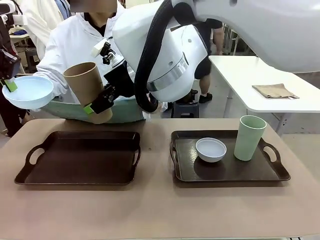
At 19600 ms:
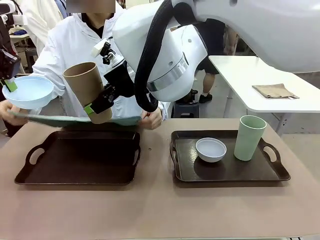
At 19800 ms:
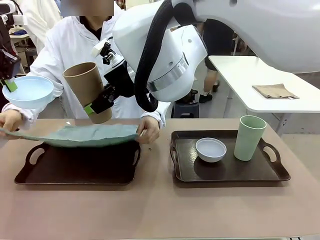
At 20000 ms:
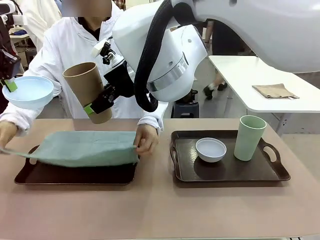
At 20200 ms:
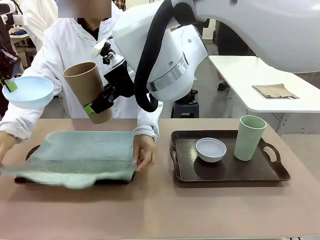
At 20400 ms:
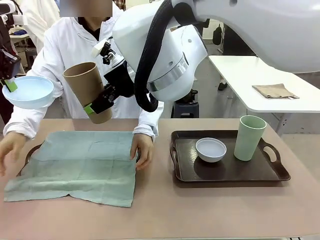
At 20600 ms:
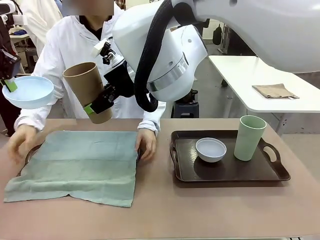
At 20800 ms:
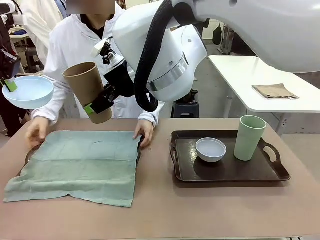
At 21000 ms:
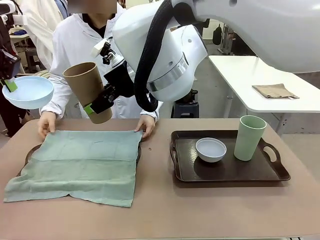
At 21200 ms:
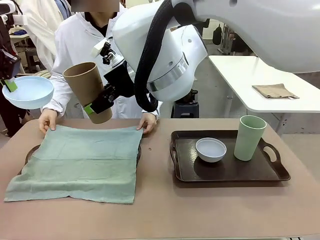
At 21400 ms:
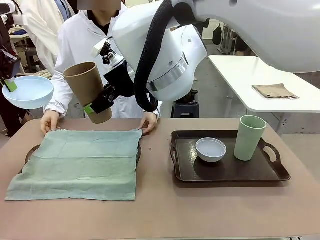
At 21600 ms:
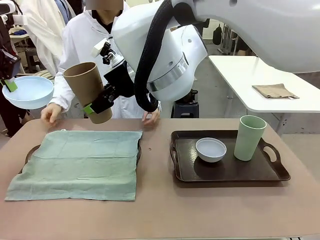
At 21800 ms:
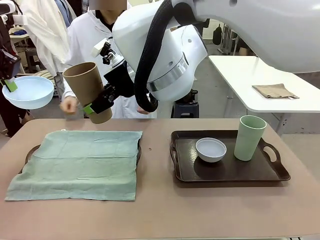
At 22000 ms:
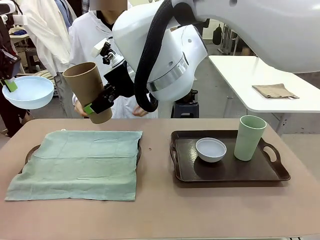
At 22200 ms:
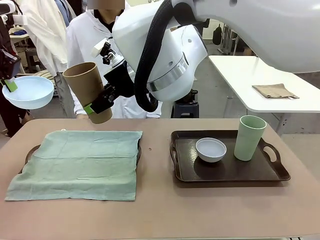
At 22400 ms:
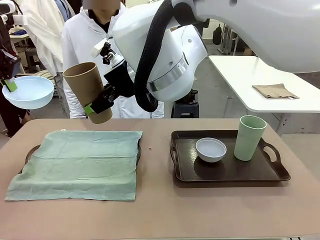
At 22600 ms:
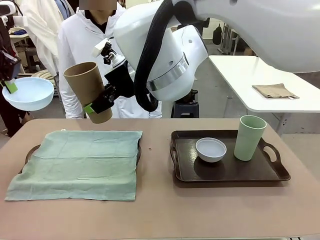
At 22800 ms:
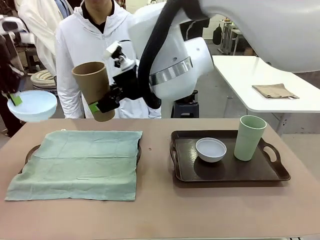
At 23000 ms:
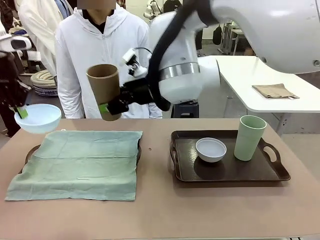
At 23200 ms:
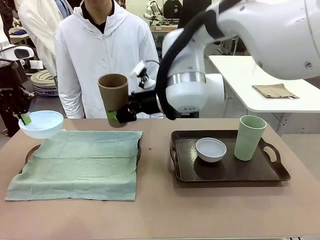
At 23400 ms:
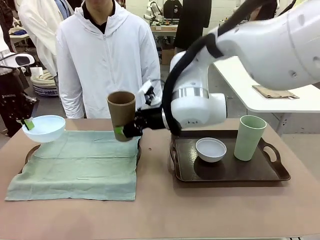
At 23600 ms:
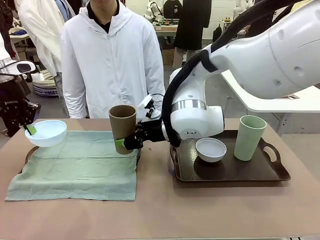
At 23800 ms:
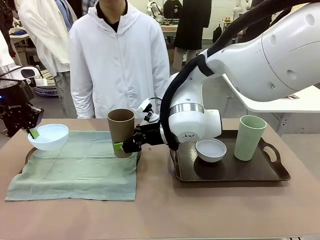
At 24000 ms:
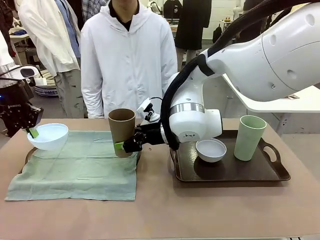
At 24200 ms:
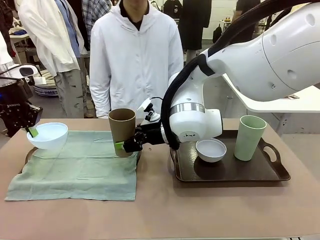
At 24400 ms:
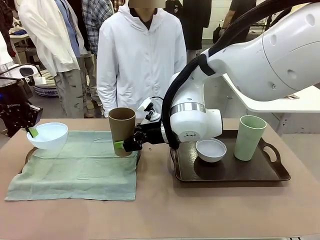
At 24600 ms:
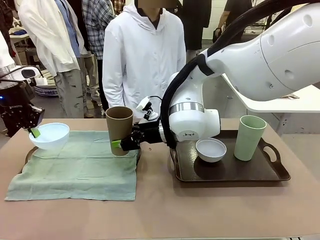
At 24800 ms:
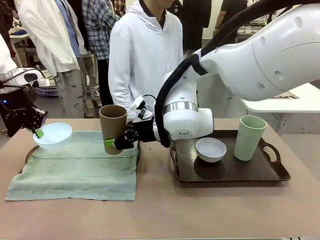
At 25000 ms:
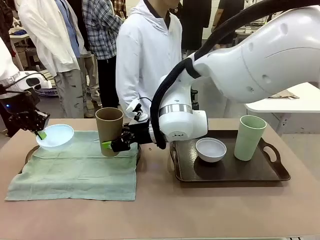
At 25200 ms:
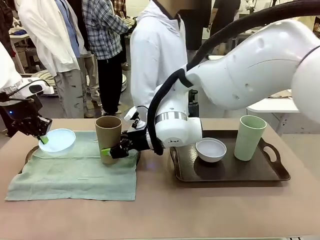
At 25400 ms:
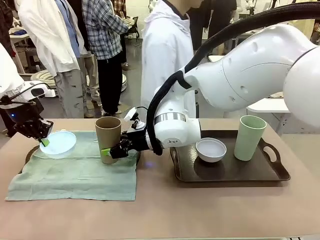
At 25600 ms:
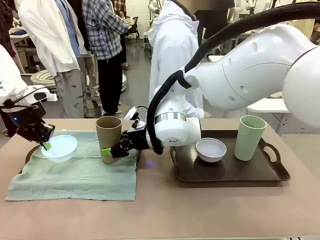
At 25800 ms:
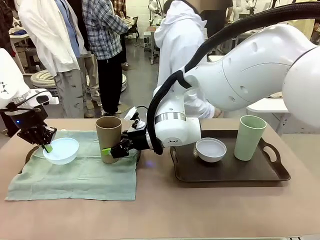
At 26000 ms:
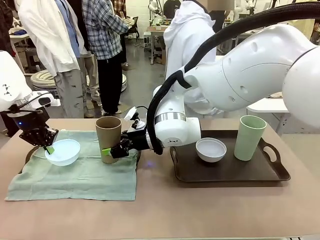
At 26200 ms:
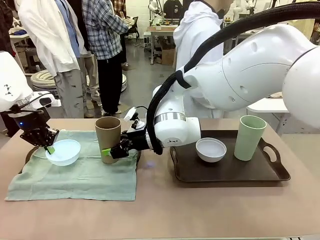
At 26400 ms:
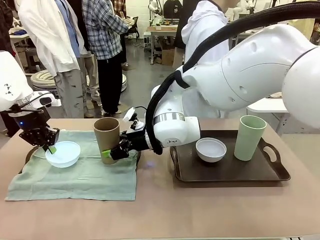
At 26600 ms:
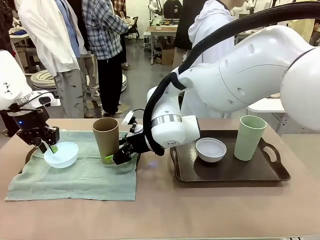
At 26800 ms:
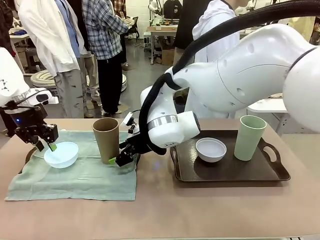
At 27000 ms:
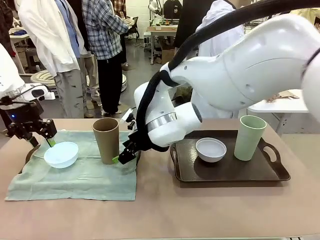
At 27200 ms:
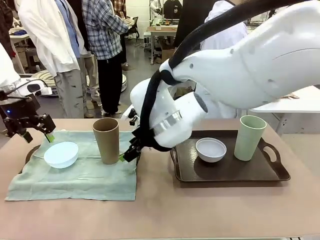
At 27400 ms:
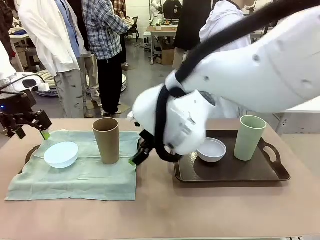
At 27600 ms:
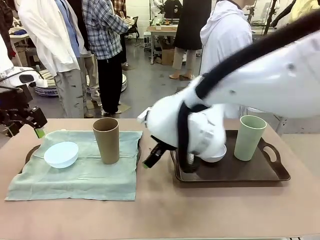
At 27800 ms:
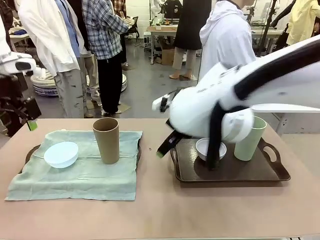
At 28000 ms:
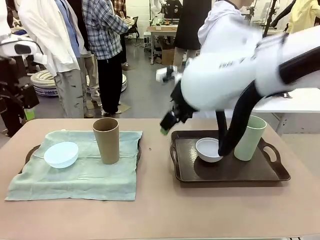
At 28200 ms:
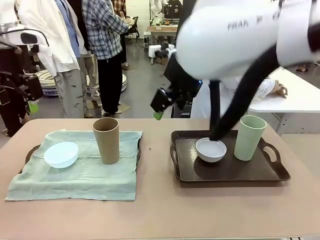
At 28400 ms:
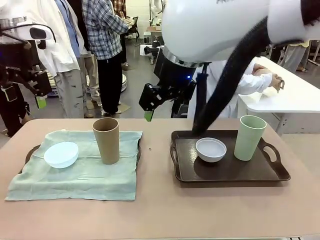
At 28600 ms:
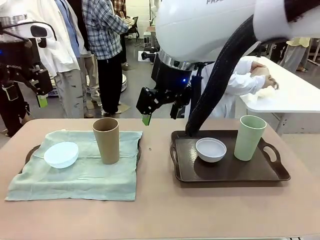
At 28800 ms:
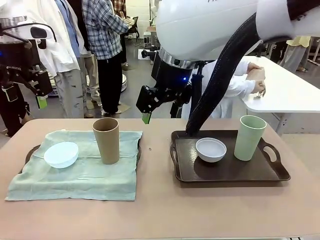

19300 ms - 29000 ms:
Robot: Place the Picnic Bowl and Reusable plastic cup back onto the Handle tray in front of the human's position.
Person: The human returns to the human table to pick up another napkin and walks to the robot table to stand in front of the tray without a napkin.
